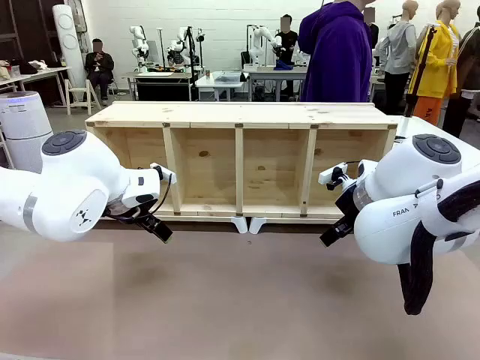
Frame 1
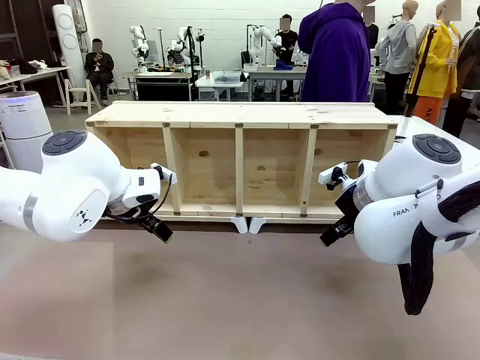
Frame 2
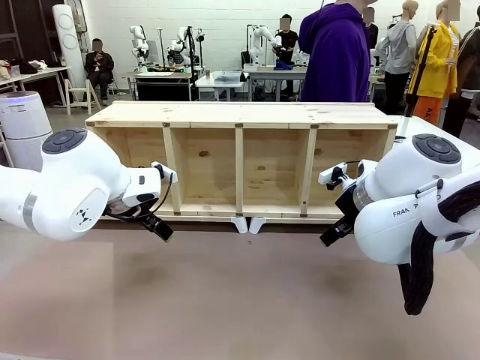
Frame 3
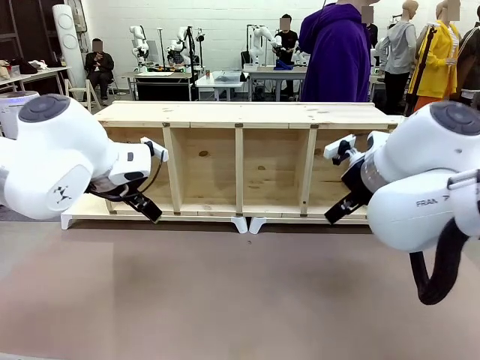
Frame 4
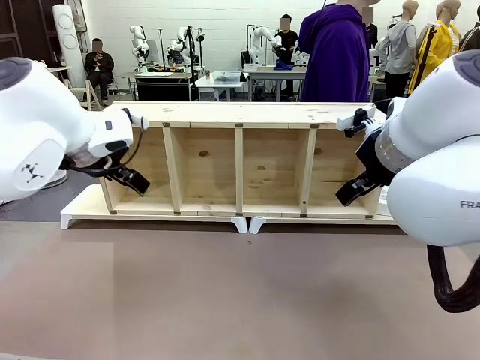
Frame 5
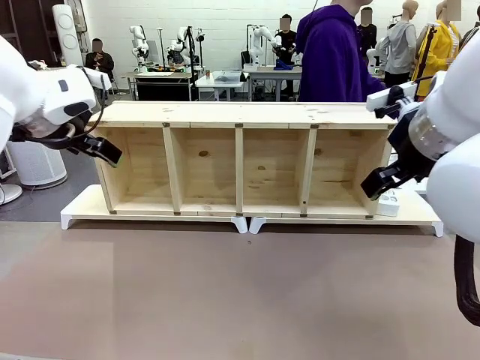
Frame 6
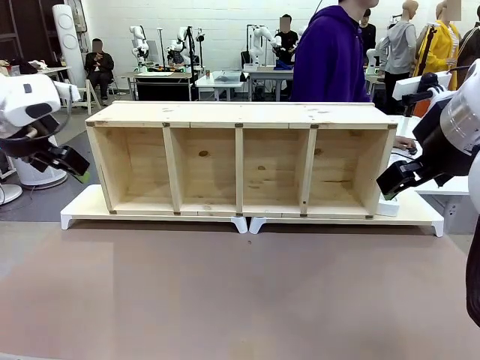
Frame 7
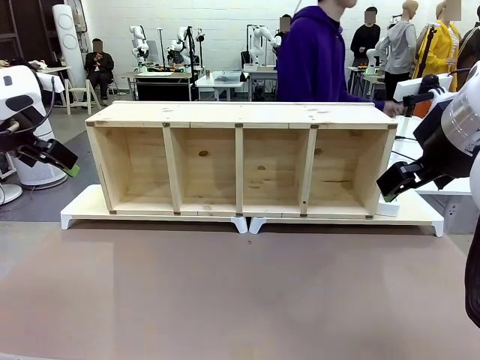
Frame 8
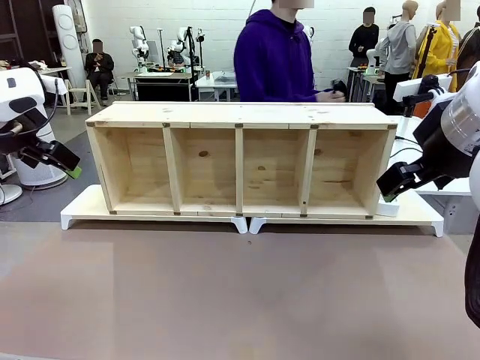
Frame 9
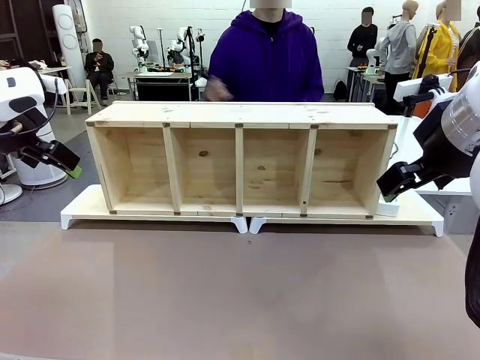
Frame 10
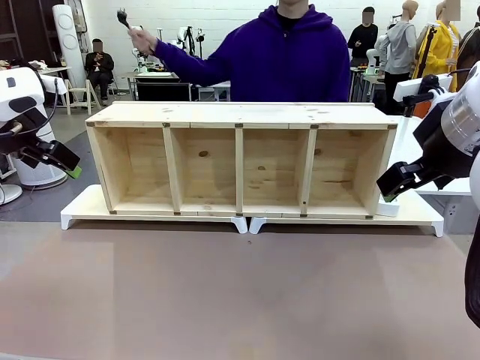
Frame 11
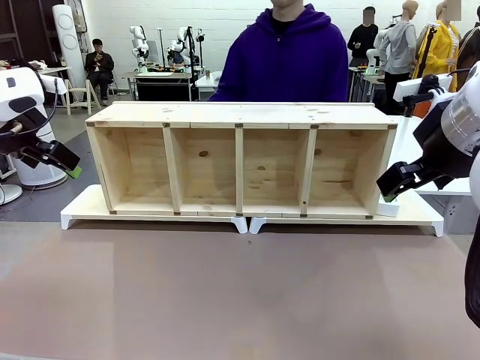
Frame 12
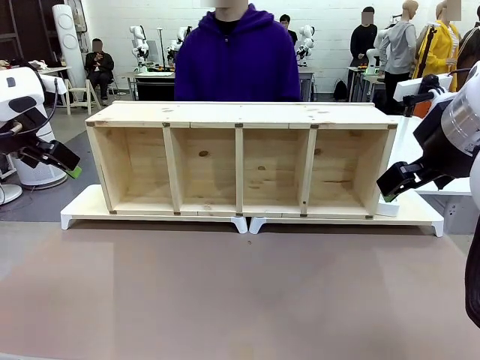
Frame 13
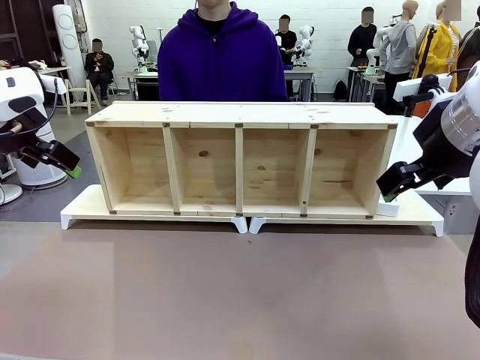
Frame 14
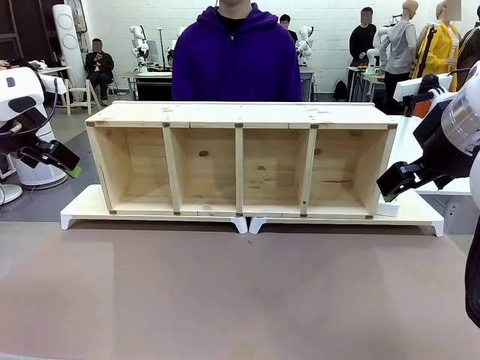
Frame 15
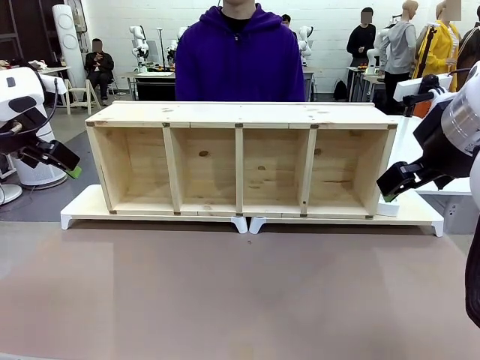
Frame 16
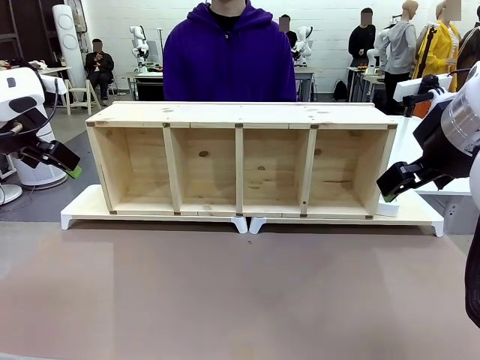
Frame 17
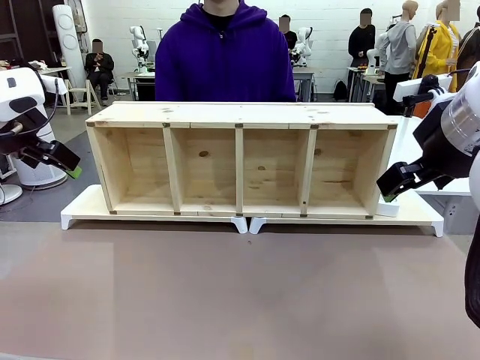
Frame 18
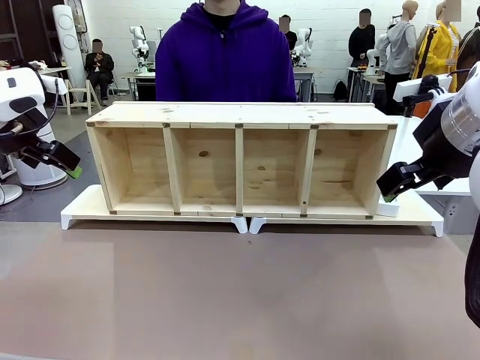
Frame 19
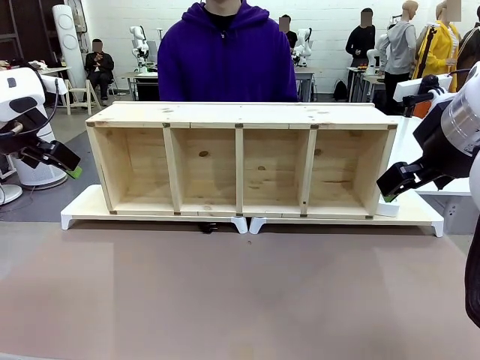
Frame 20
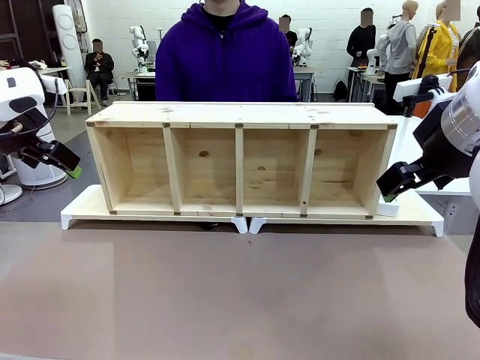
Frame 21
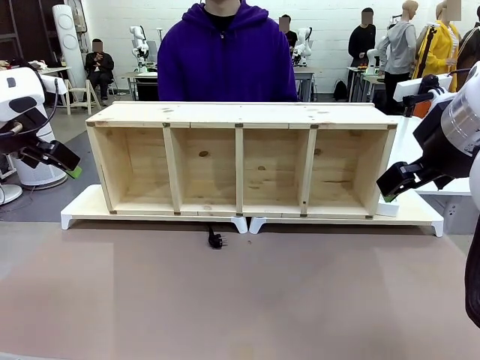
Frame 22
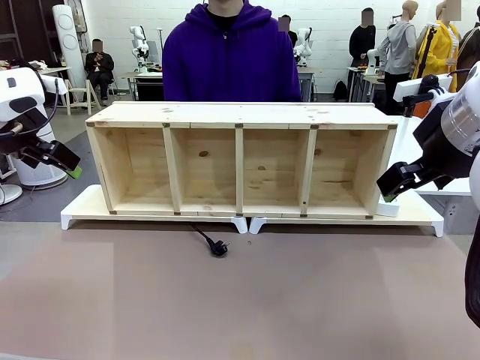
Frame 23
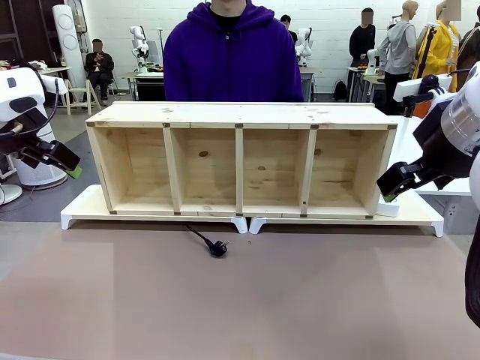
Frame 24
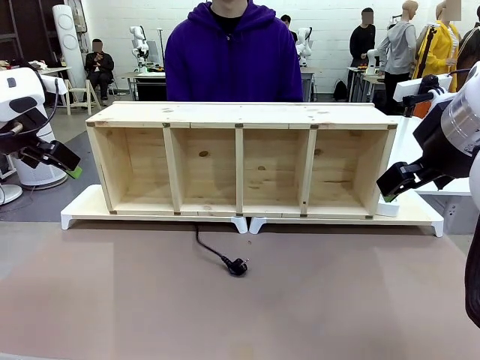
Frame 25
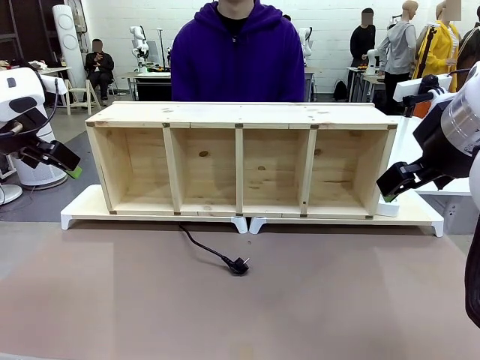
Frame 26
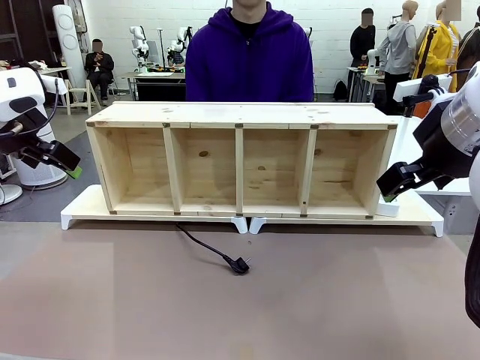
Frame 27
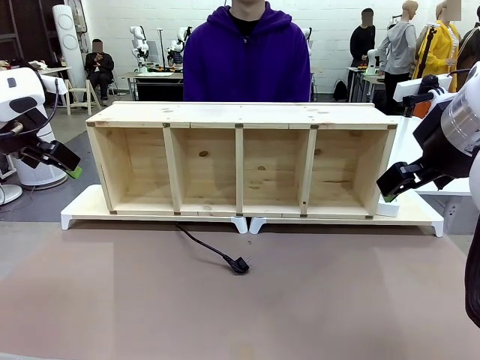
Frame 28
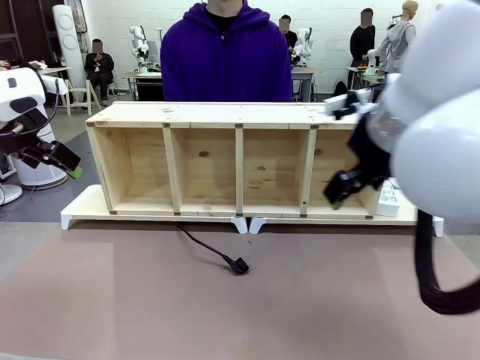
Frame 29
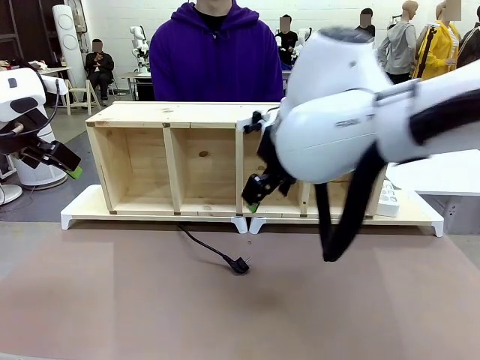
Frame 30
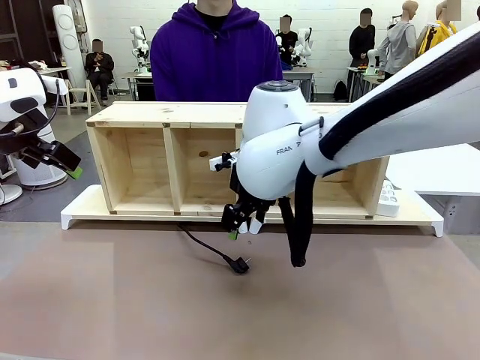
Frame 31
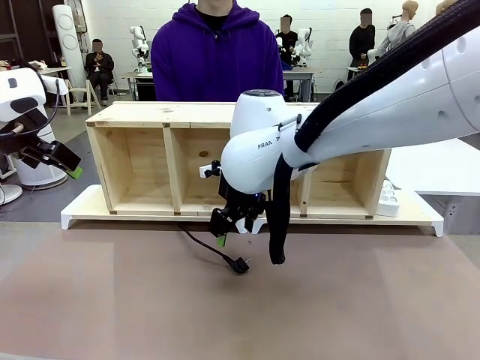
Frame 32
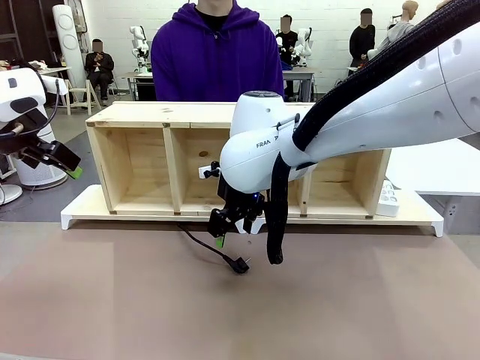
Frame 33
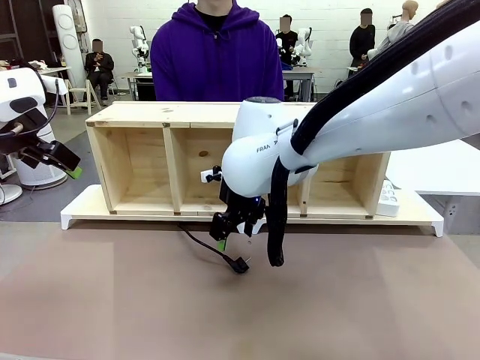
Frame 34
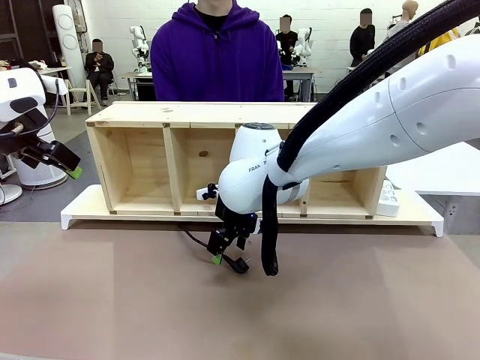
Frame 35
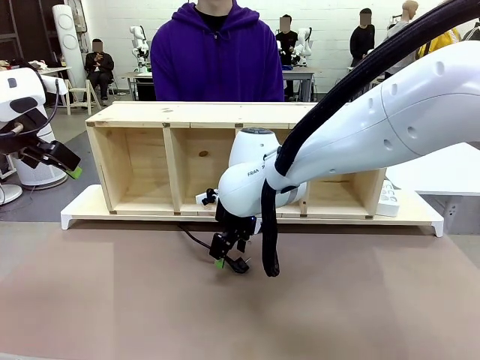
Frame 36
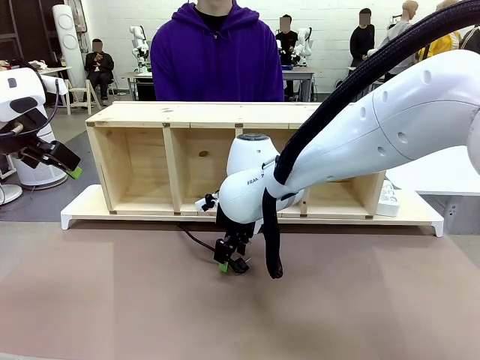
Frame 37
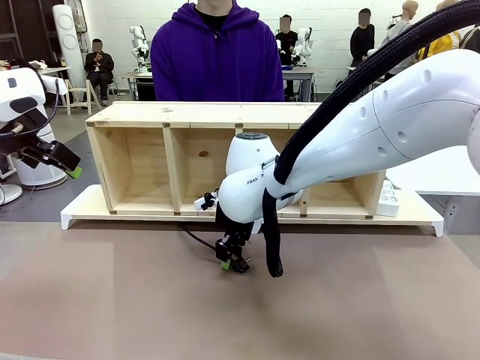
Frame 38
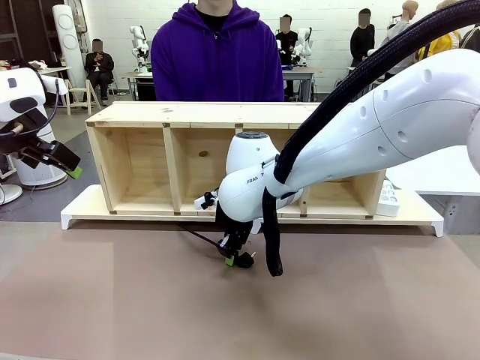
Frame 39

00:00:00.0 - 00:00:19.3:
Task: Perform cable management.
Robot: When the cord part of the Power Cable appears at the lower middle area of the table and stops, grasp the cord part of the Power Cable.
Person: Pass the Power Cable under the Serving Table.

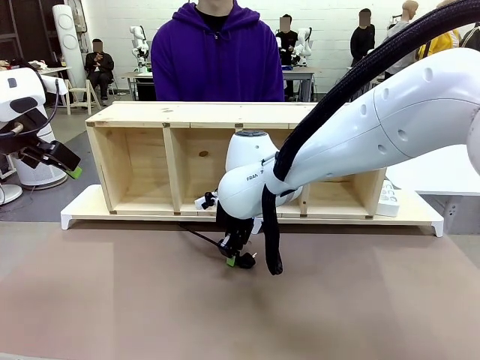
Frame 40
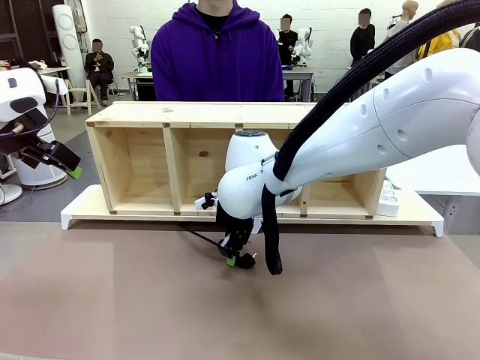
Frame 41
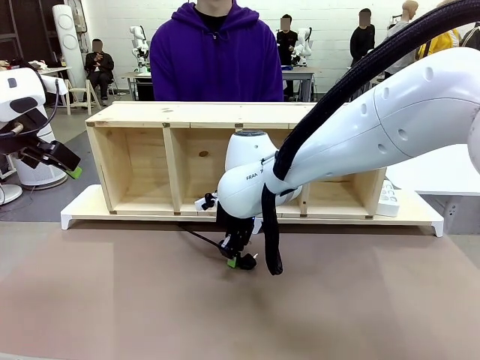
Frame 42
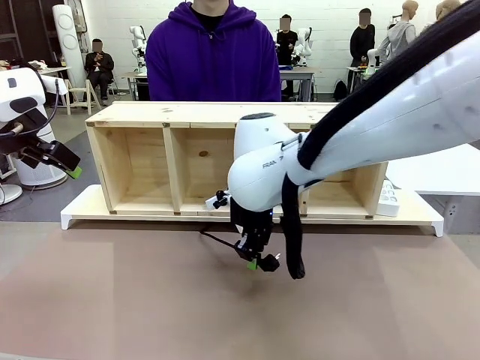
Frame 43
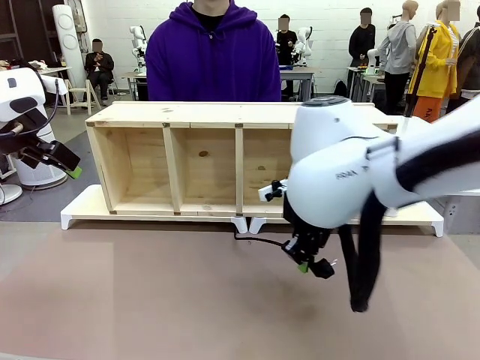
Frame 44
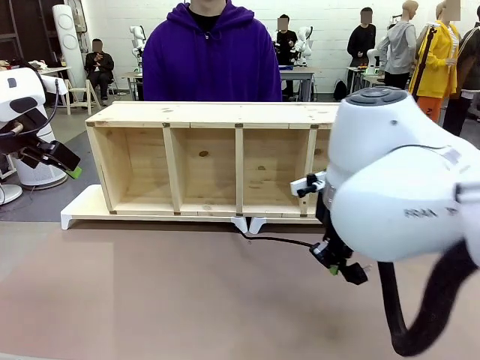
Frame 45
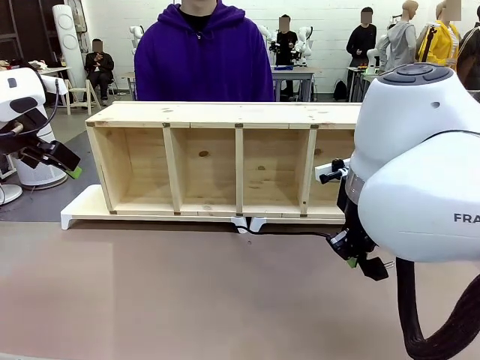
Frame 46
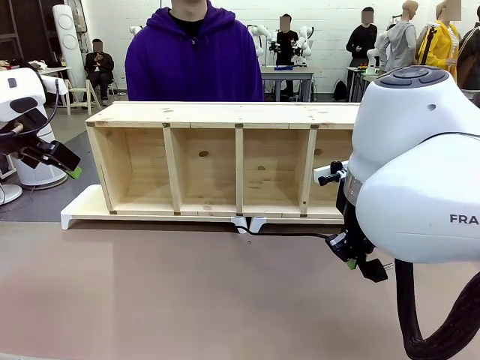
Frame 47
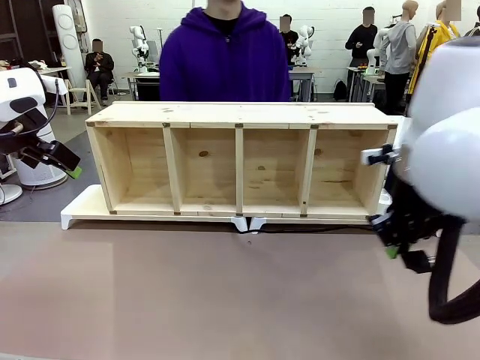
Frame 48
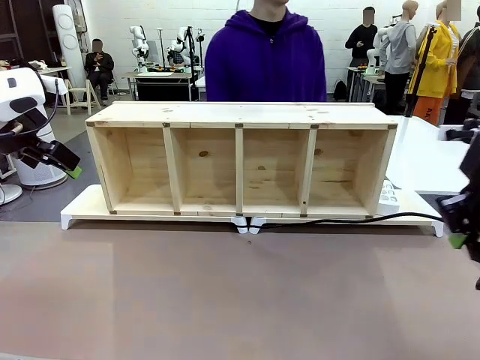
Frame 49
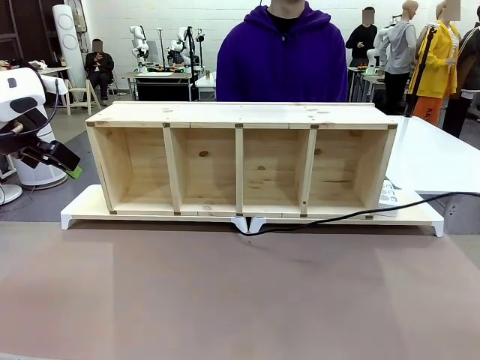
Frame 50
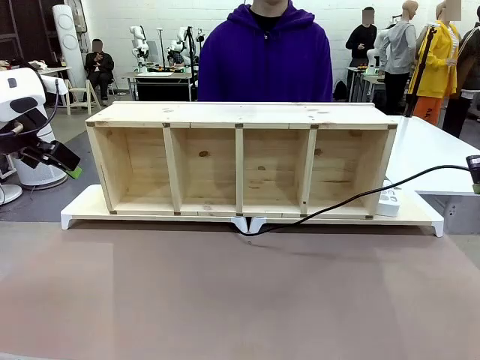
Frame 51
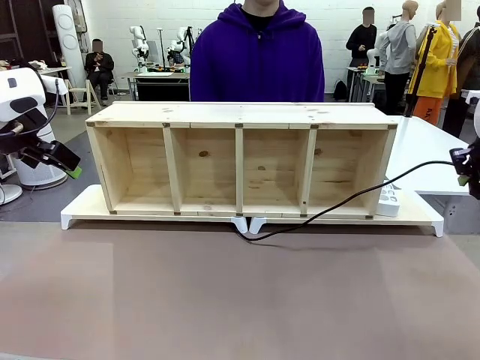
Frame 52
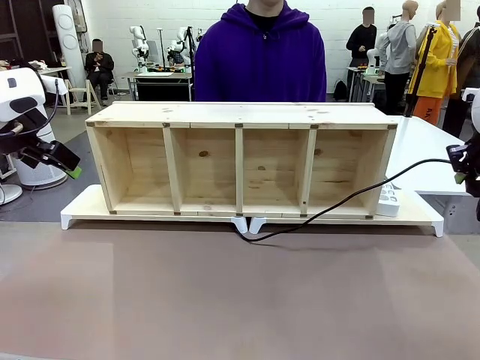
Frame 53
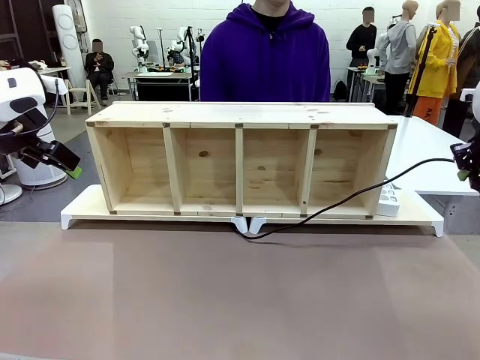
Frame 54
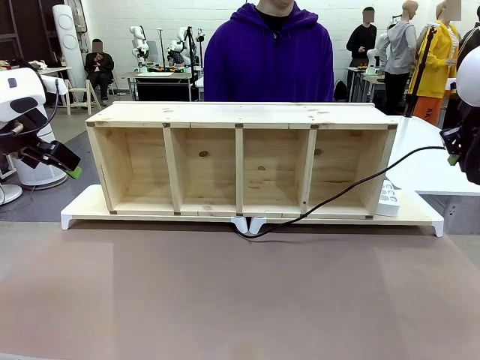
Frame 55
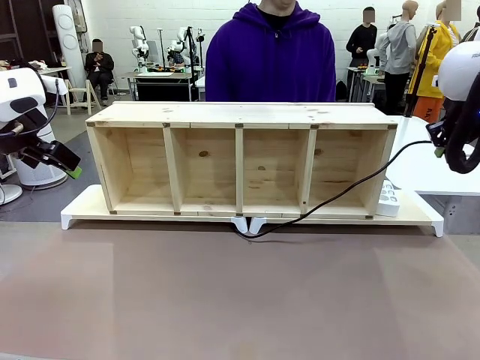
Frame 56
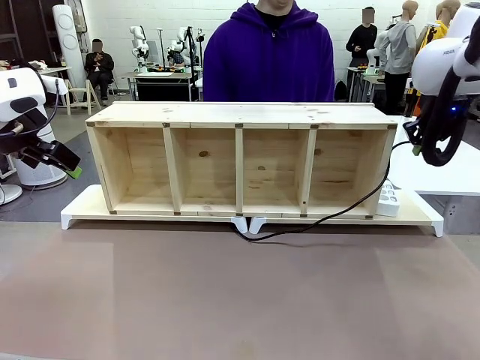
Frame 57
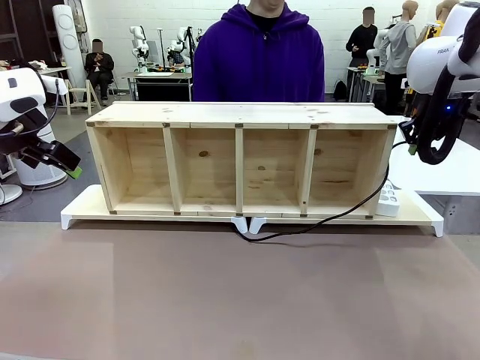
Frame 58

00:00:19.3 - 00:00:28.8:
Robot: Pull the grasped Power Cable to the location of the Power Strip.
